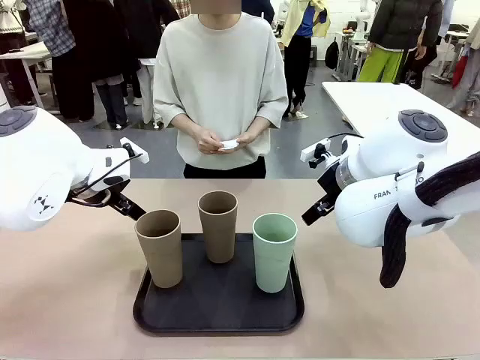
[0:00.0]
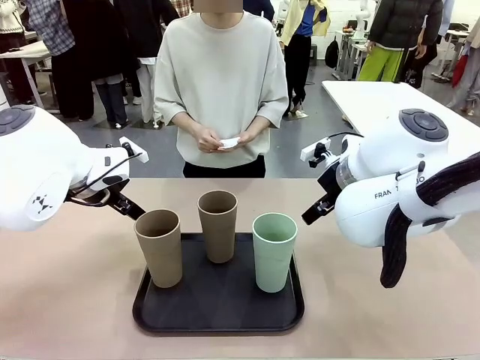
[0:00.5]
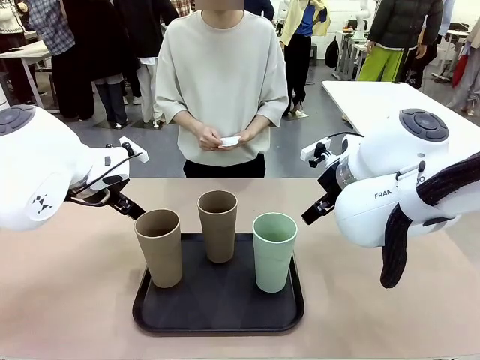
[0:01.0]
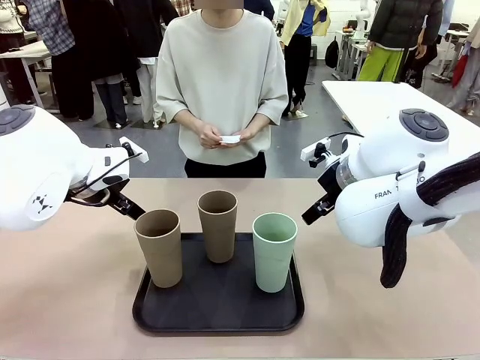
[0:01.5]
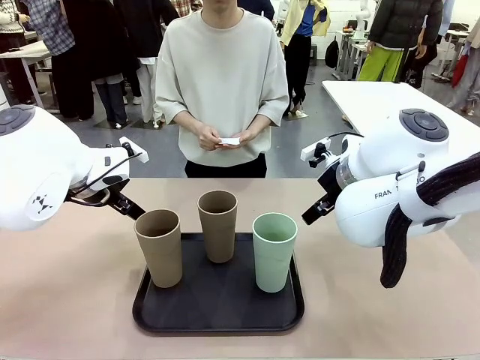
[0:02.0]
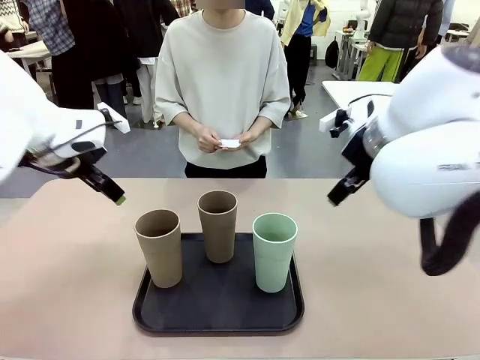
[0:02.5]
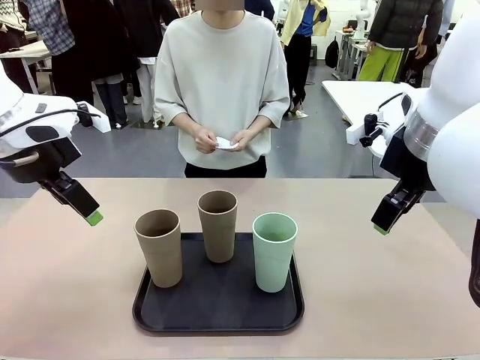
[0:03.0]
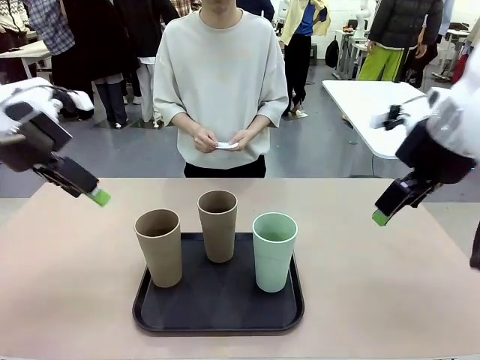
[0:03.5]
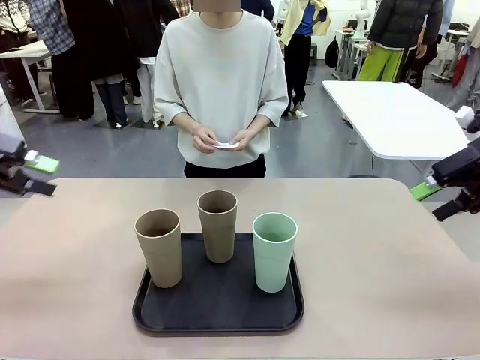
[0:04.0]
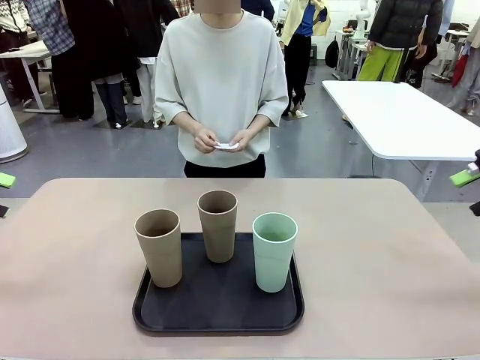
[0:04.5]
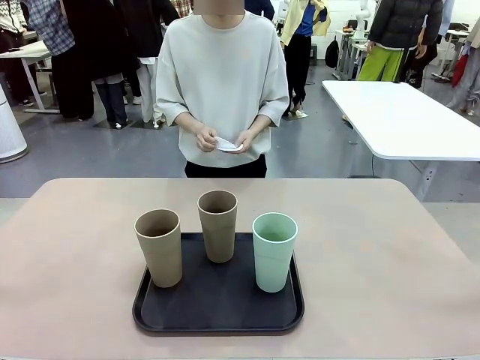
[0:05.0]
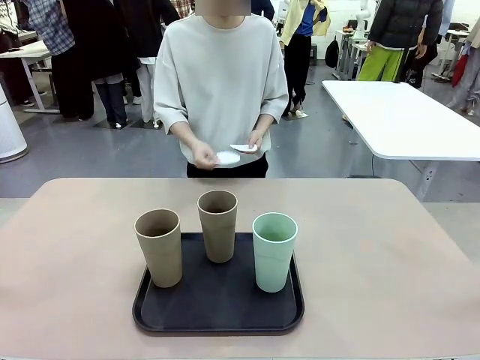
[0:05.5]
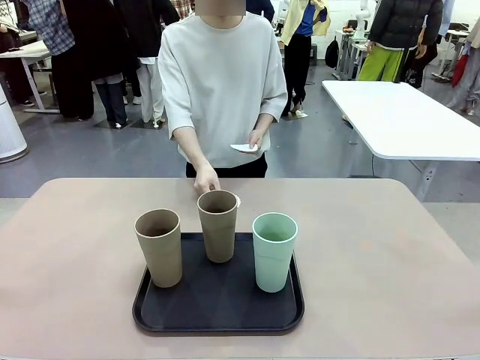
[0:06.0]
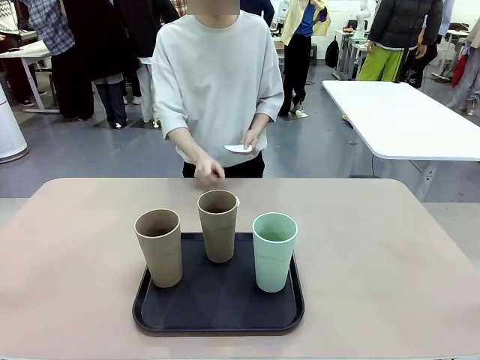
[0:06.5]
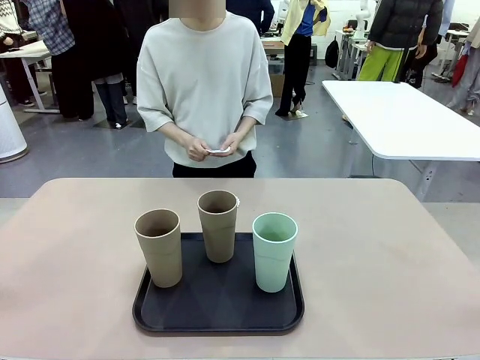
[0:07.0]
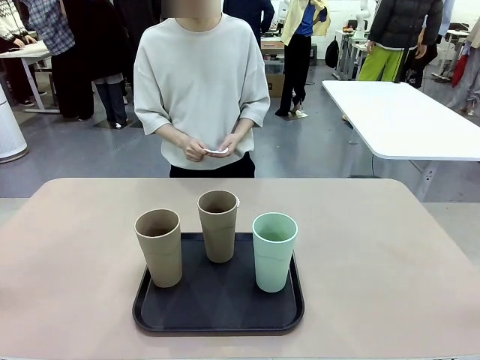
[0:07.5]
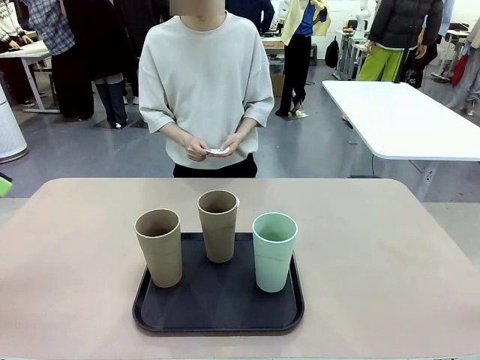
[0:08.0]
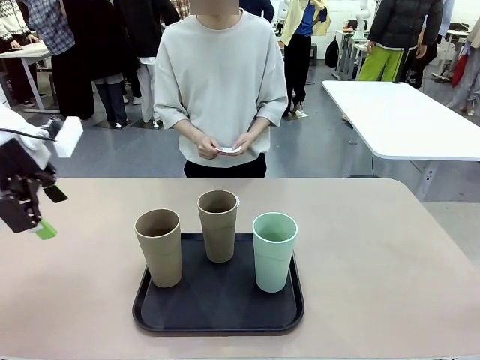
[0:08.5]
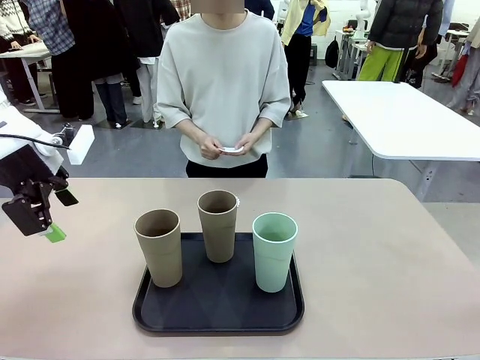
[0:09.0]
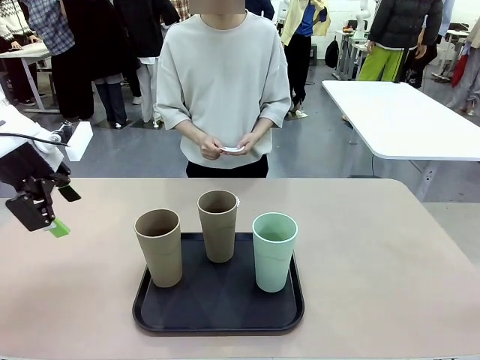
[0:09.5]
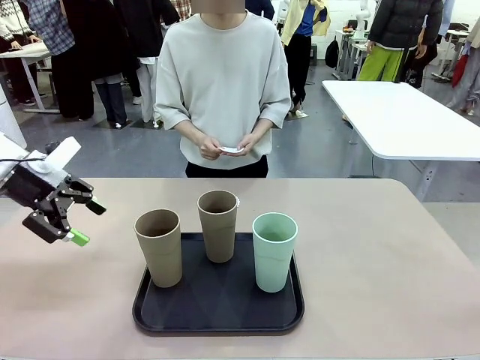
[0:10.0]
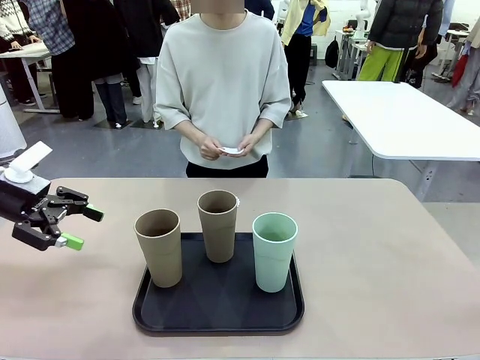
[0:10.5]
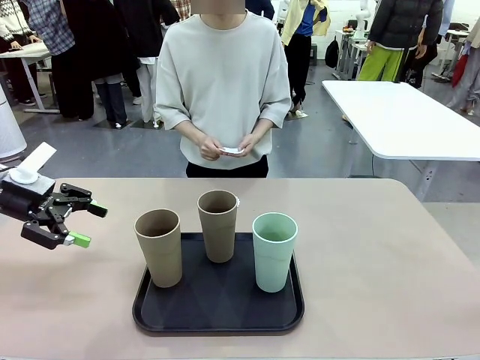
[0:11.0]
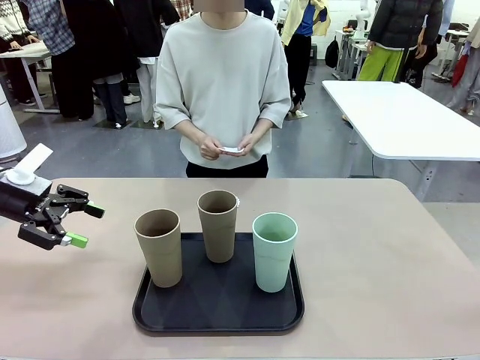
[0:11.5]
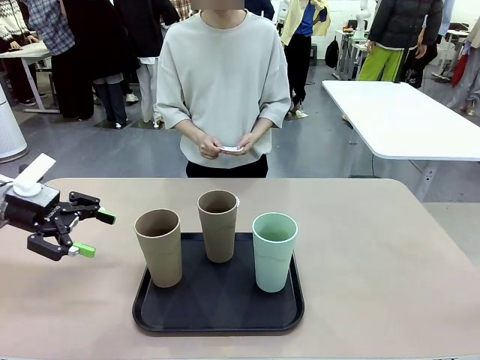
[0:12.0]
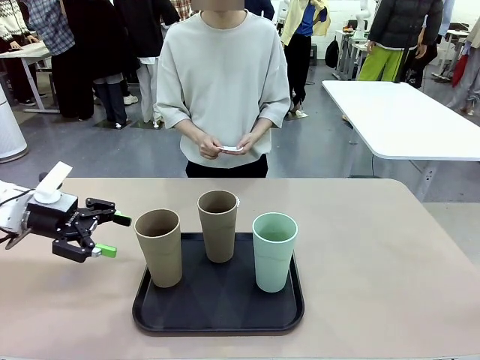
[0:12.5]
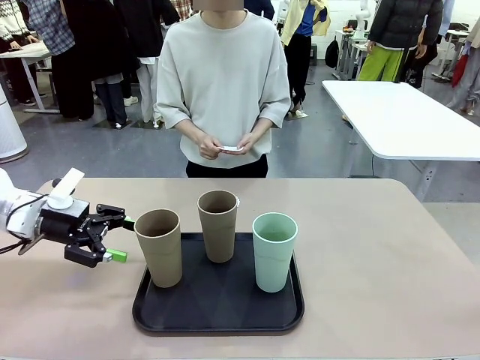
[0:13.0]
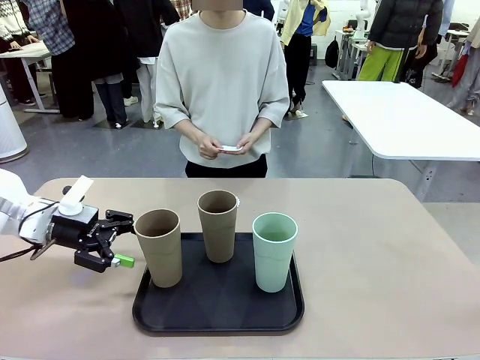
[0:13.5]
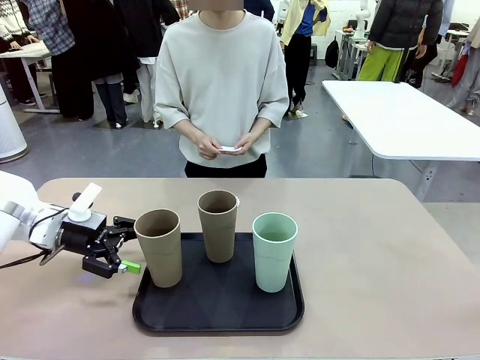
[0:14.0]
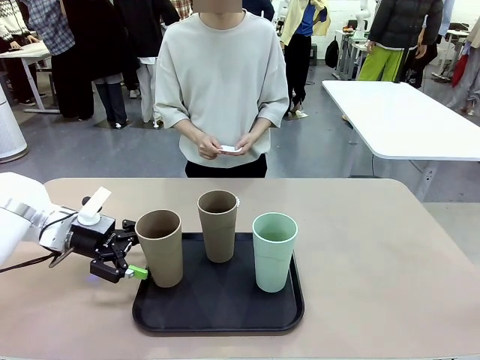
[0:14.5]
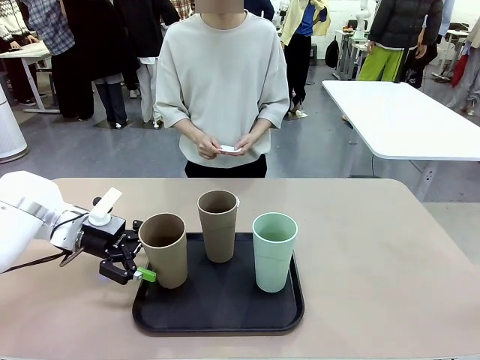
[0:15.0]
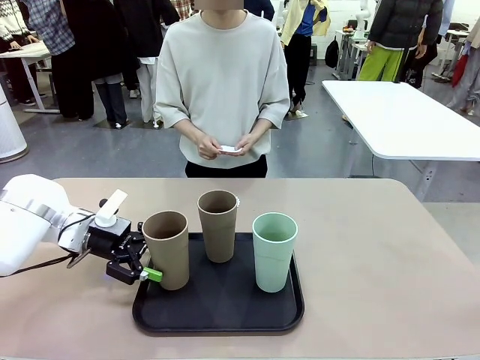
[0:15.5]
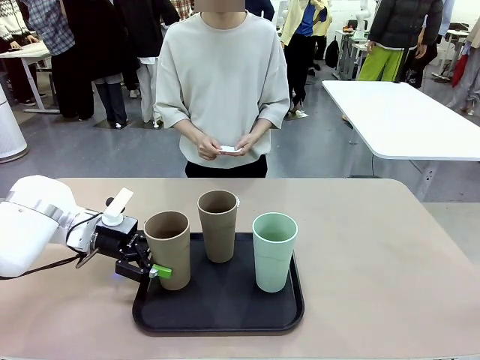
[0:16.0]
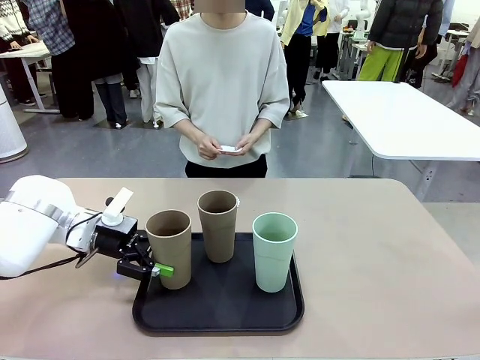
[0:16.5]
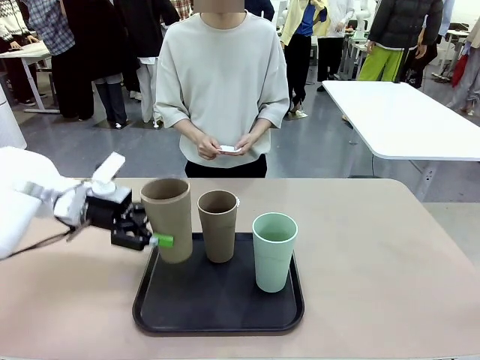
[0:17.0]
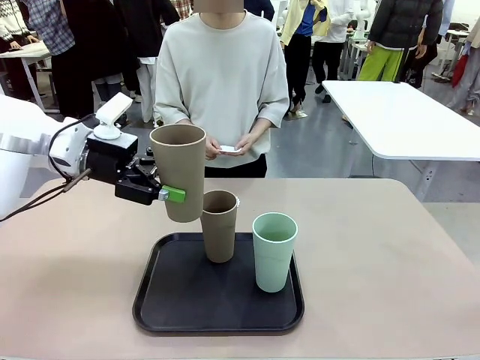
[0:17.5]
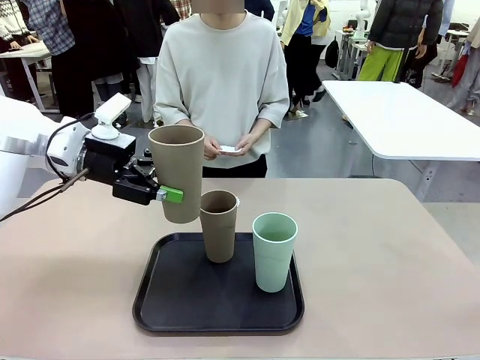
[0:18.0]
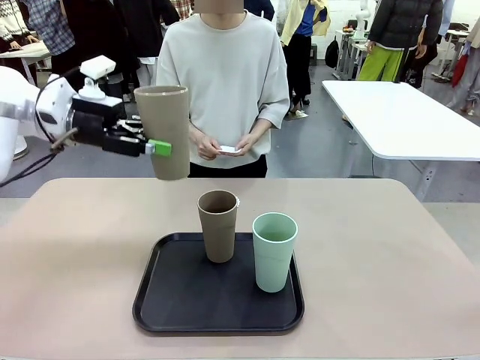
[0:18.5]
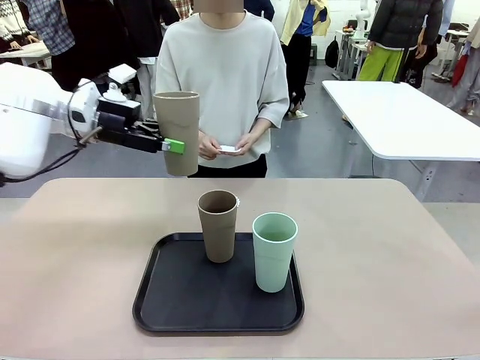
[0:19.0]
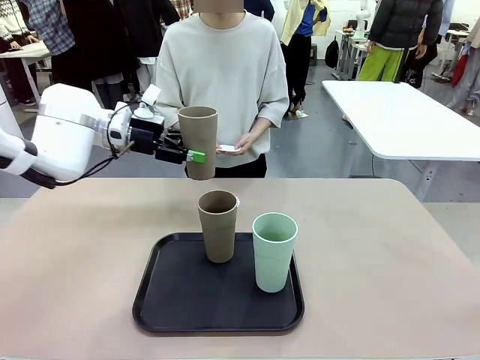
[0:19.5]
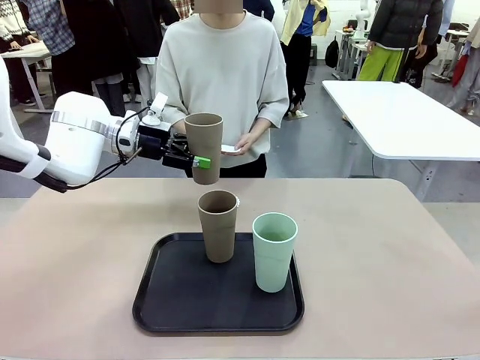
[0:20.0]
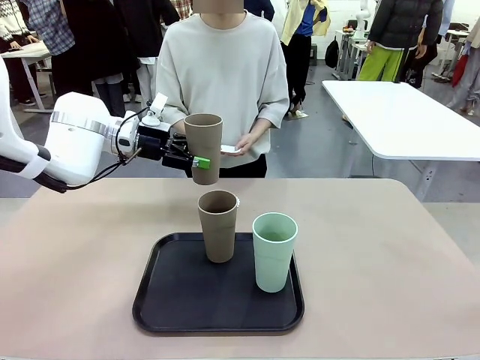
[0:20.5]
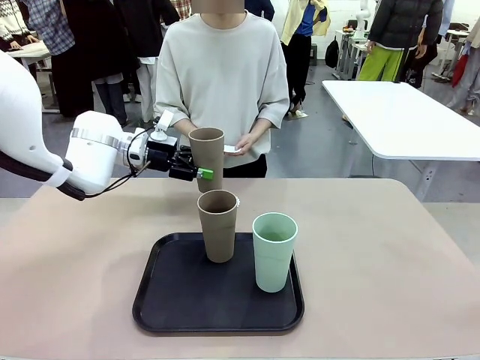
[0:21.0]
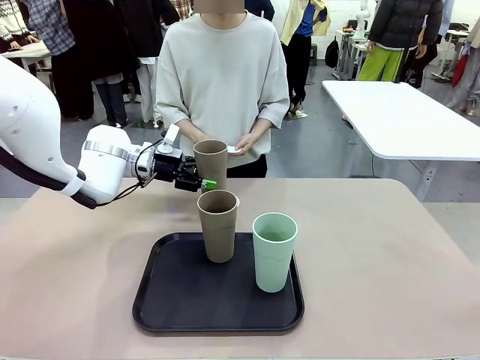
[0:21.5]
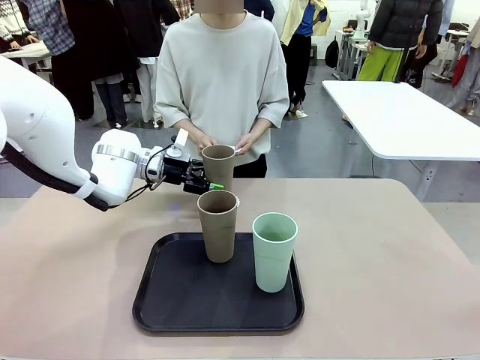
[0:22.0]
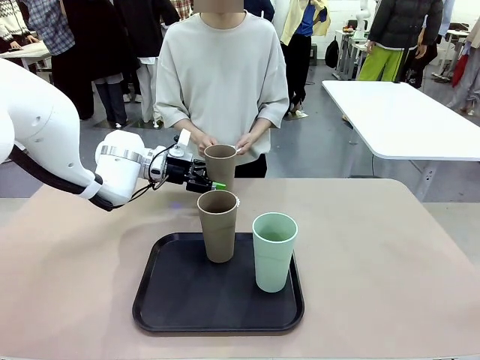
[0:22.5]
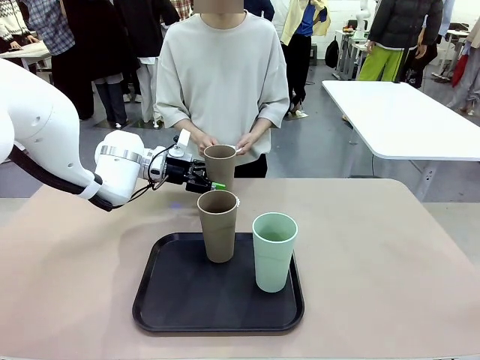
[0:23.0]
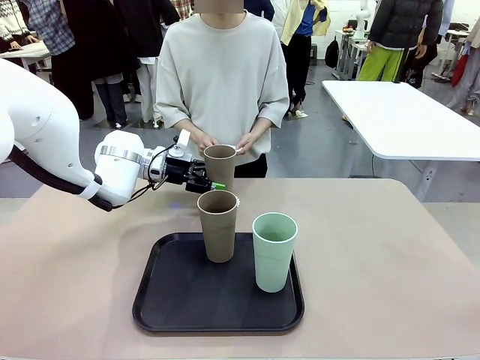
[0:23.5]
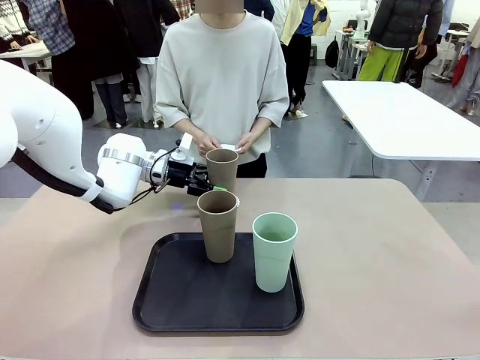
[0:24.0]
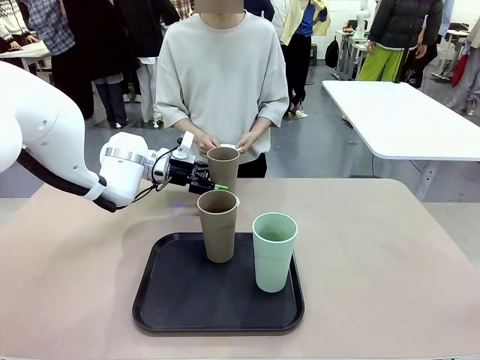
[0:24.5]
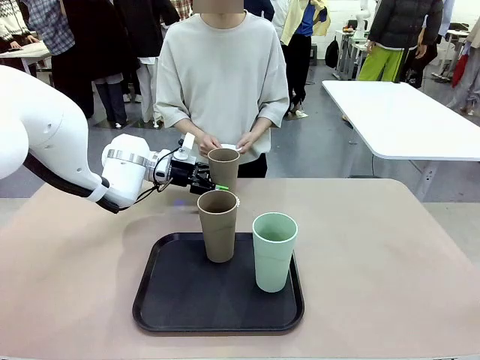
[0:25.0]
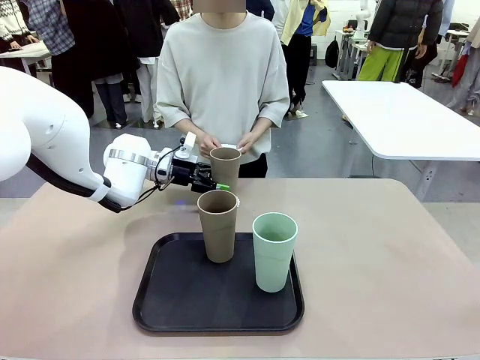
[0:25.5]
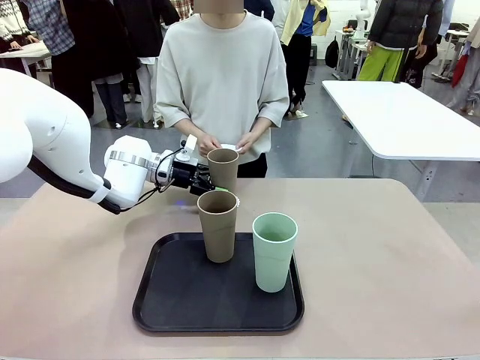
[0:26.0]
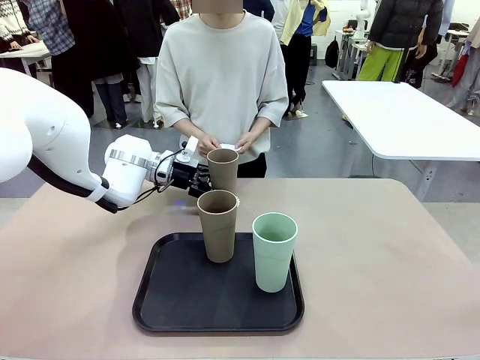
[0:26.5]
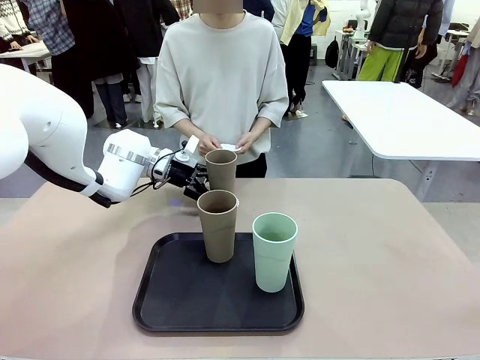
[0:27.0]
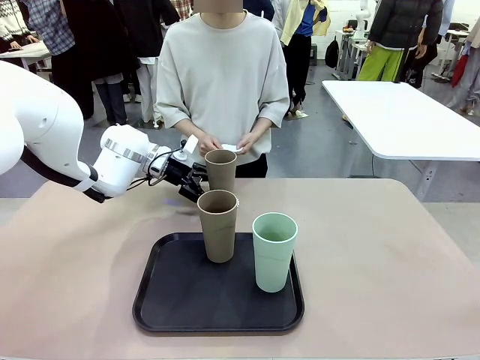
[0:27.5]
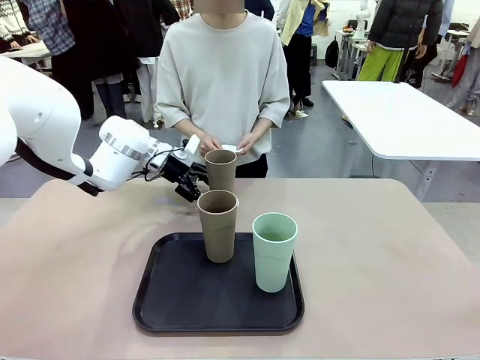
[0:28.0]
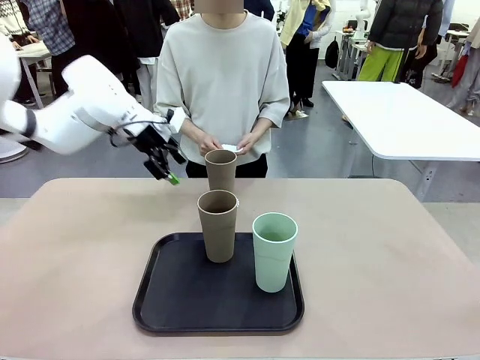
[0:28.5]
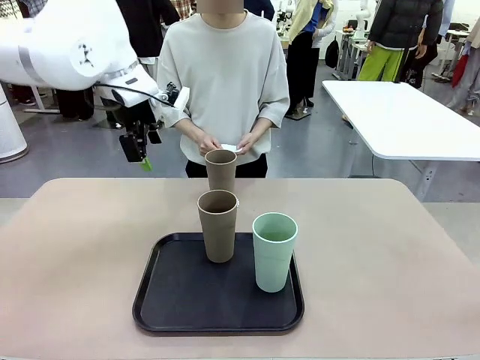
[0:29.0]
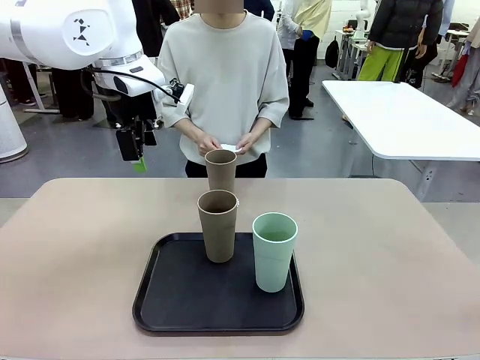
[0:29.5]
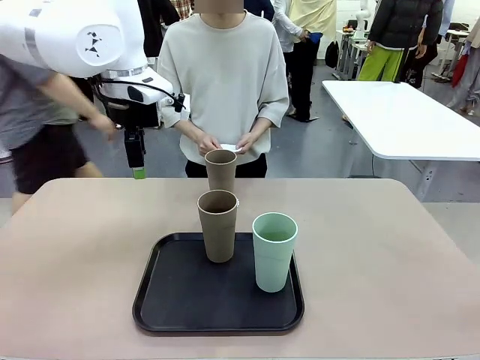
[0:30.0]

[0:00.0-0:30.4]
Task: Place coasters on the table and set cups on them.
Robot: Pick up one Reusable plastic cup and place it on a coaster set by the human.
Person: Place one coaster in any one of the three lower areas of the robot table (left, center, or right). Place one coaster in one of the two areas excluding the previously selected area.
